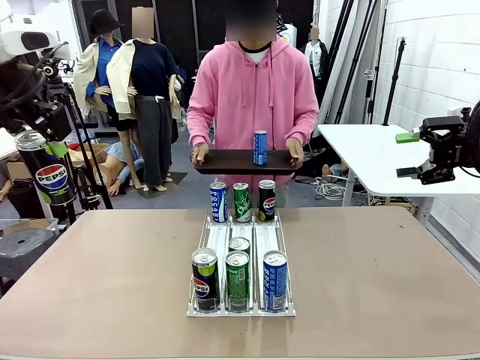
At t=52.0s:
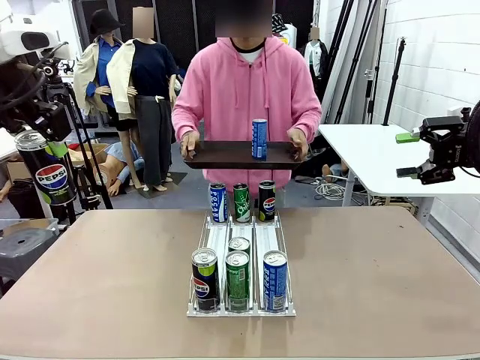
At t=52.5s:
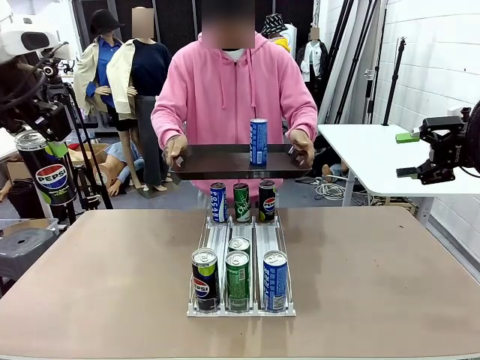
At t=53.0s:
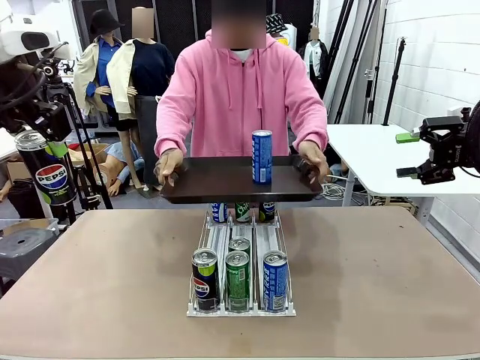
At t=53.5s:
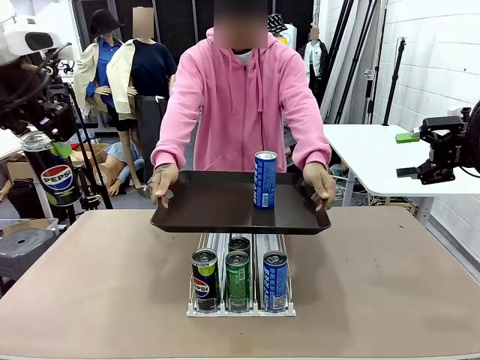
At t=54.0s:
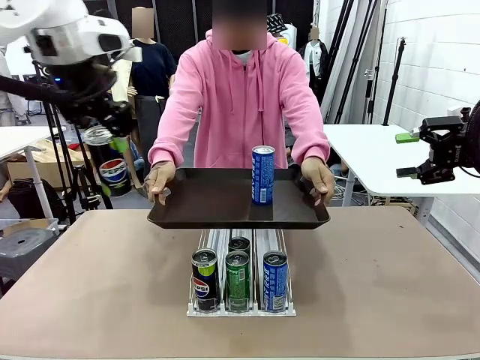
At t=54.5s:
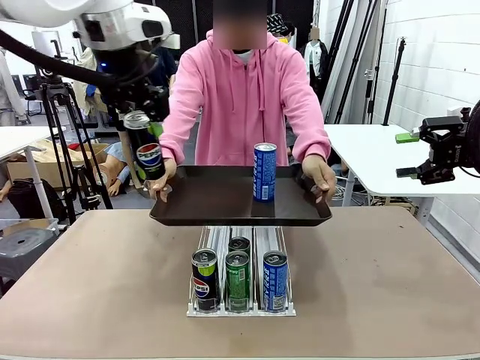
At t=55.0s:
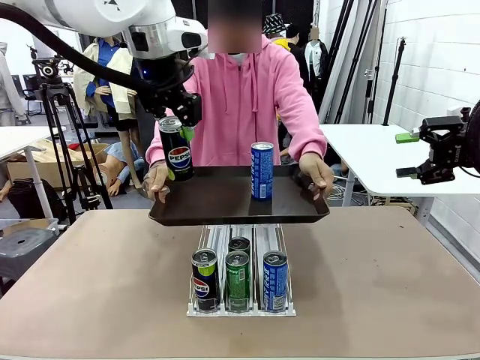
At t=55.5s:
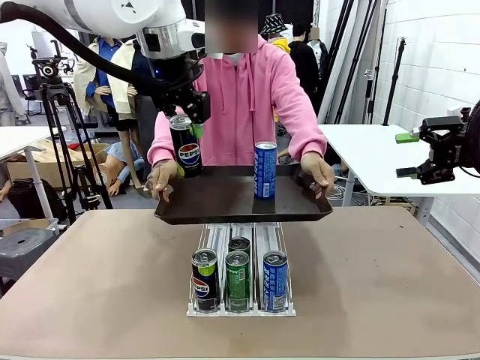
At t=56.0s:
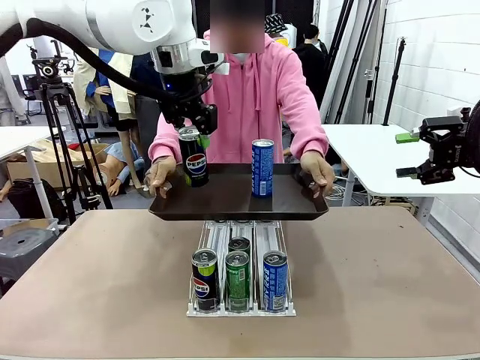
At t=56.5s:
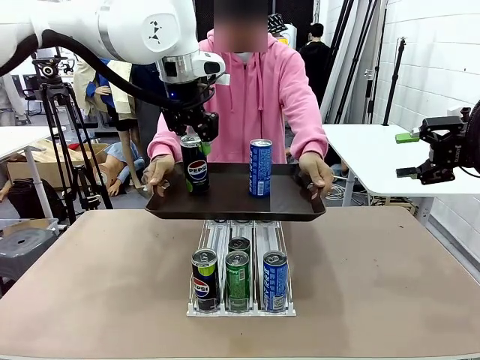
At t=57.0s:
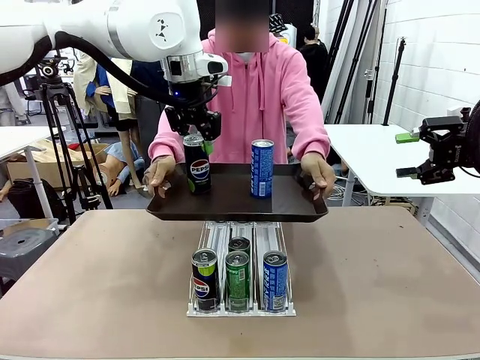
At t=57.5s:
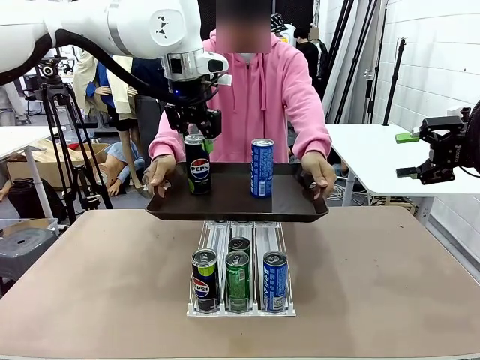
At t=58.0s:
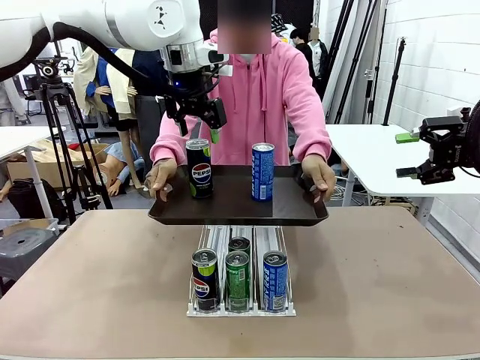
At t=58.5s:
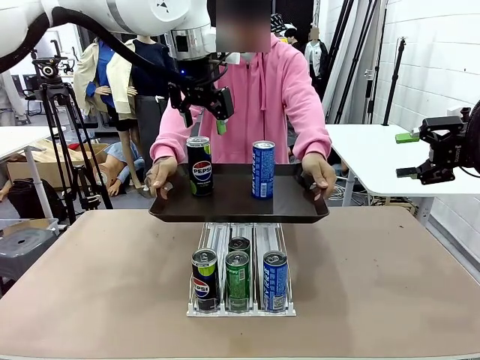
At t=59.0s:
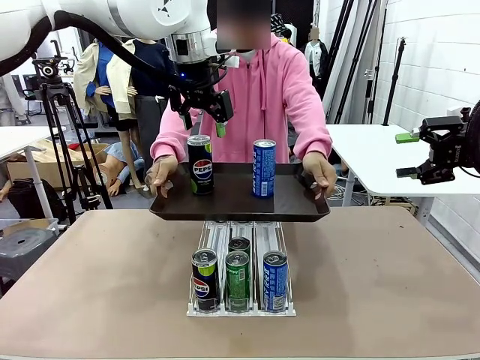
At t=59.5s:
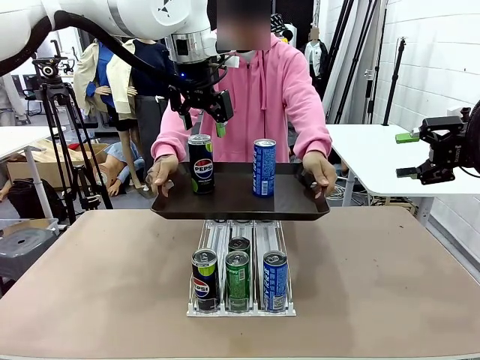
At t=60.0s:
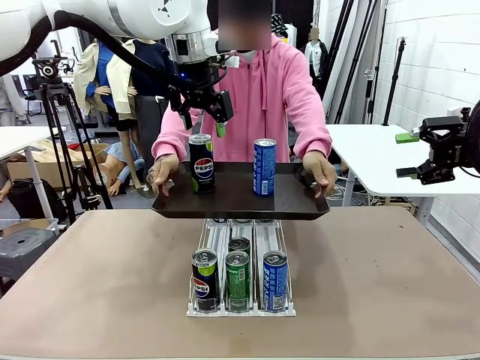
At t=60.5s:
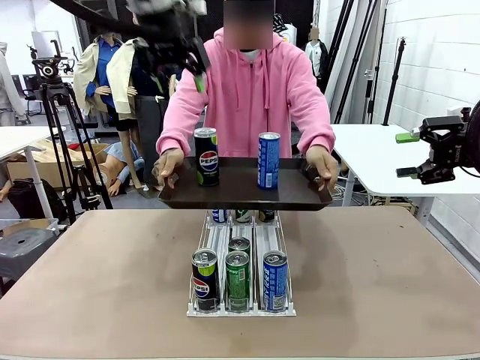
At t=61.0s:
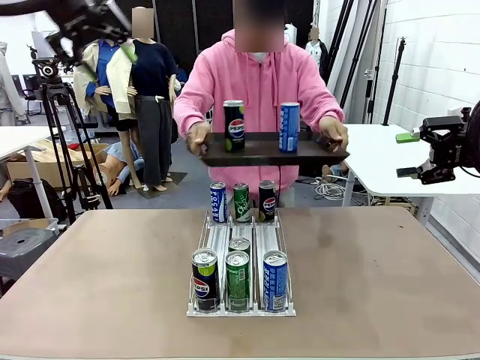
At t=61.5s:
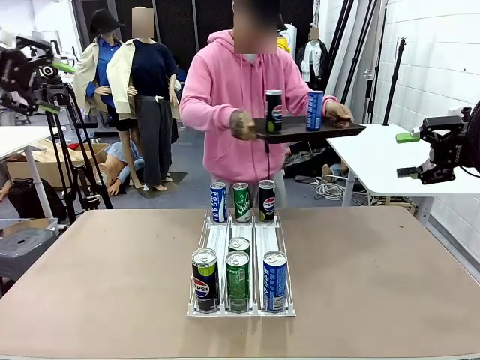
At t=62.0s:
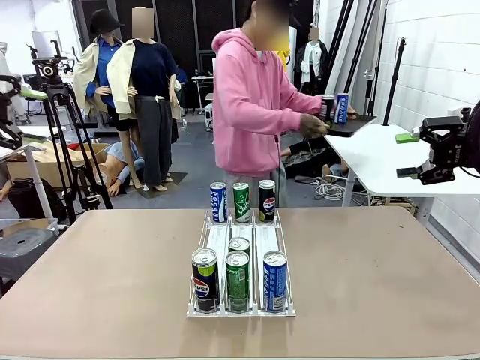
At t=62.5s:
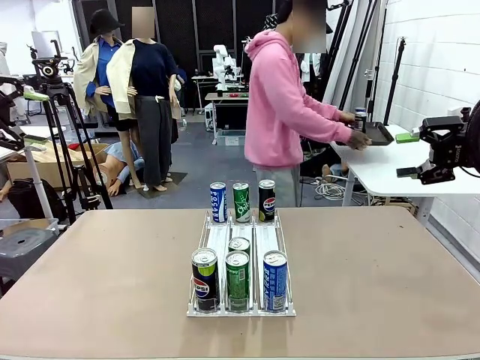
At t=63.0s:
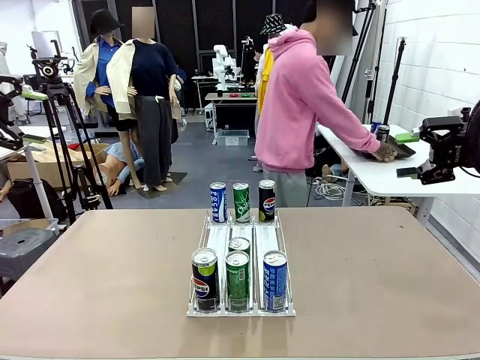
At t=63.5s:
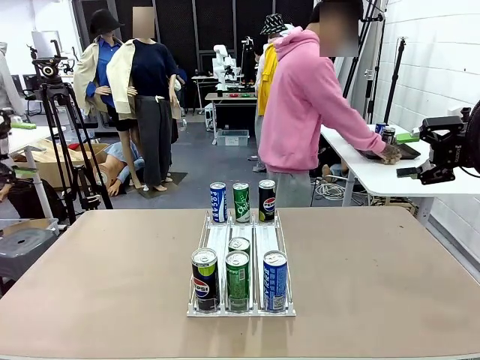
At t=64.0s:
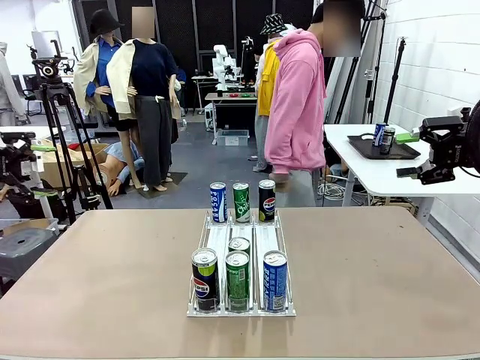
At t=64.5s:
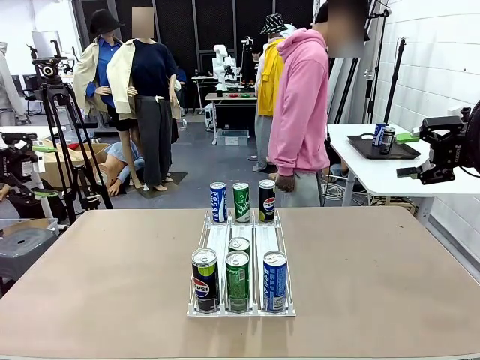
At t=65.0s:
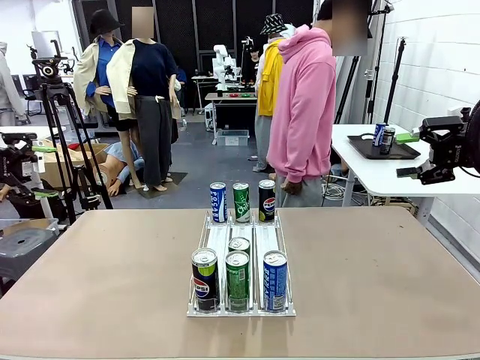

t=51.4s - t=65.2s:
Task: Retrieve and hand over the desired beverage to the person.
Robot: Place the picked can on the Handle tray extended by the person.
Person: Pull the tray back and place it at the center of the human table.
